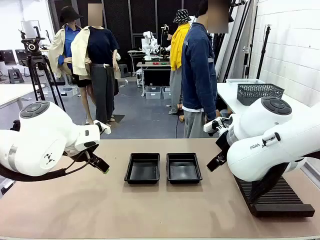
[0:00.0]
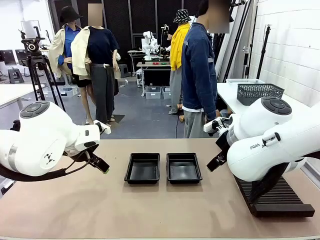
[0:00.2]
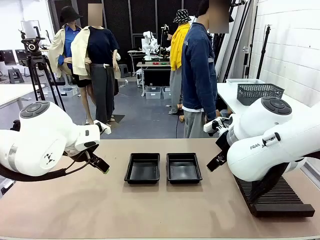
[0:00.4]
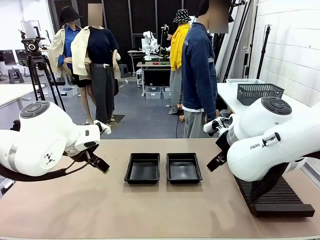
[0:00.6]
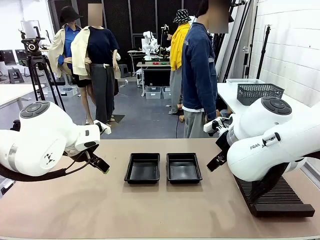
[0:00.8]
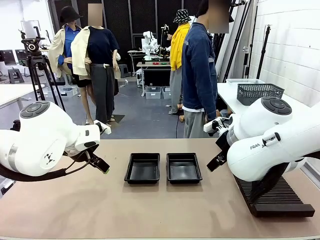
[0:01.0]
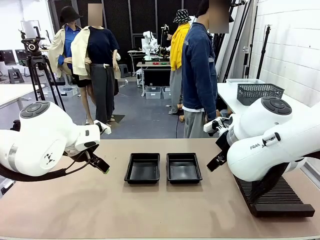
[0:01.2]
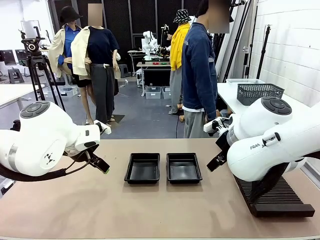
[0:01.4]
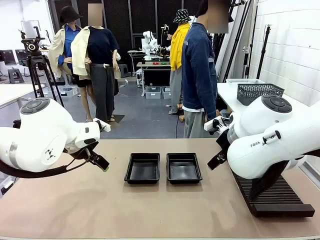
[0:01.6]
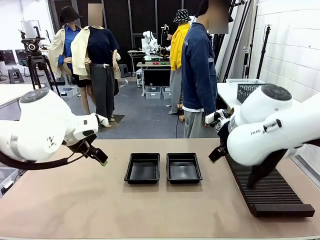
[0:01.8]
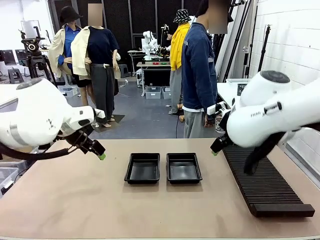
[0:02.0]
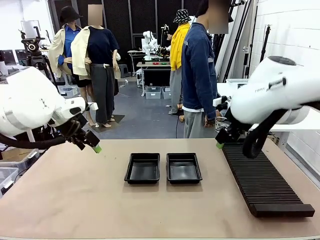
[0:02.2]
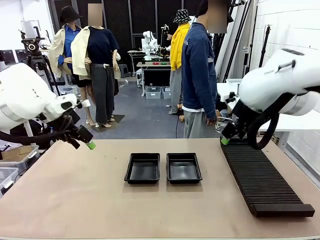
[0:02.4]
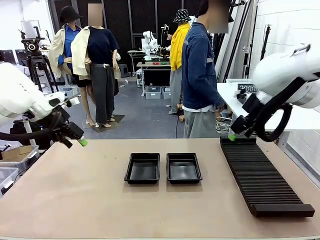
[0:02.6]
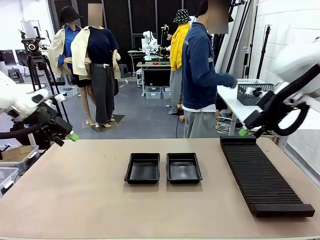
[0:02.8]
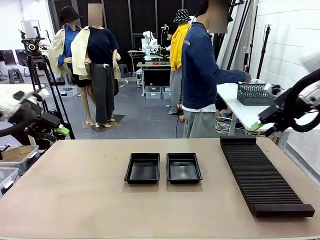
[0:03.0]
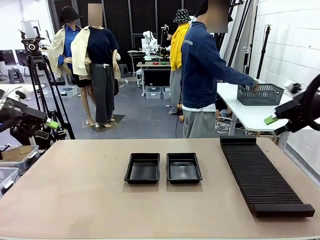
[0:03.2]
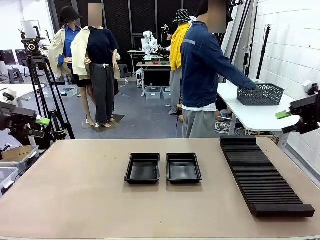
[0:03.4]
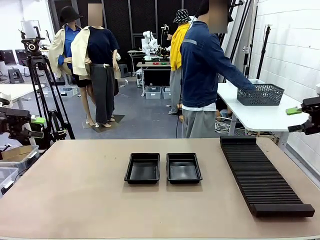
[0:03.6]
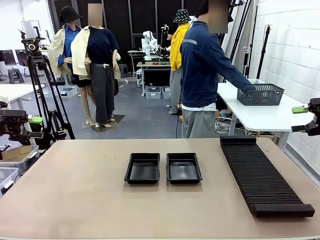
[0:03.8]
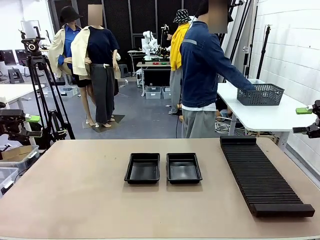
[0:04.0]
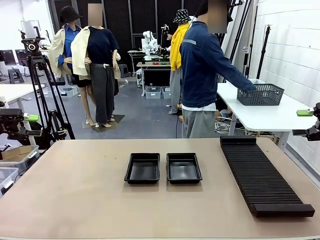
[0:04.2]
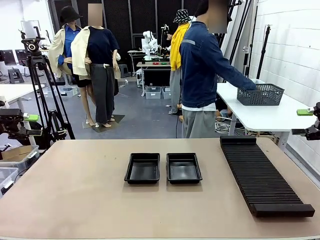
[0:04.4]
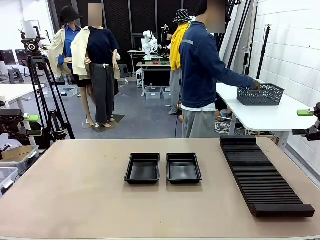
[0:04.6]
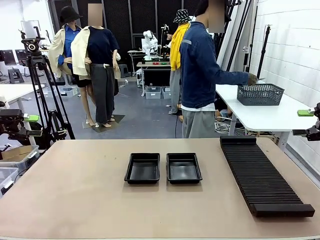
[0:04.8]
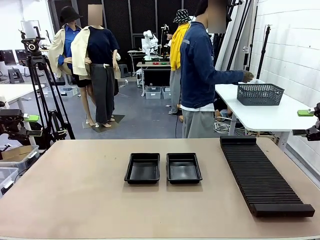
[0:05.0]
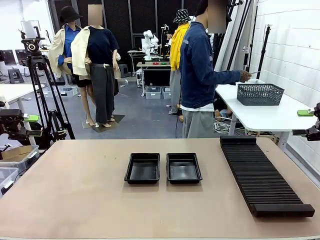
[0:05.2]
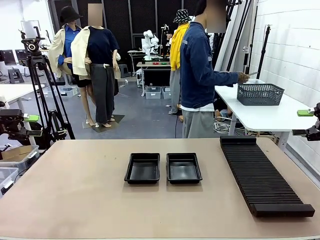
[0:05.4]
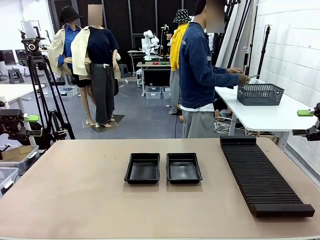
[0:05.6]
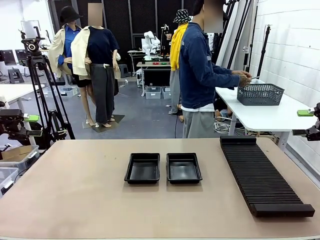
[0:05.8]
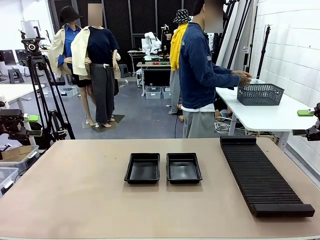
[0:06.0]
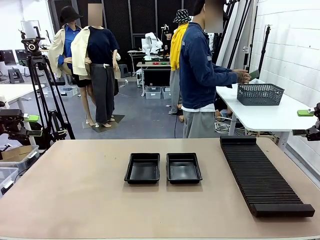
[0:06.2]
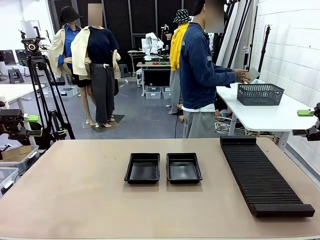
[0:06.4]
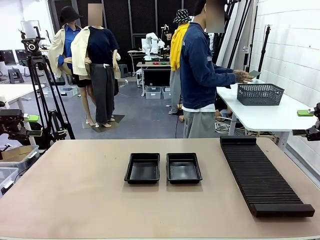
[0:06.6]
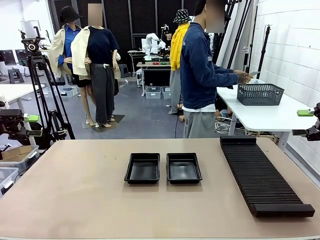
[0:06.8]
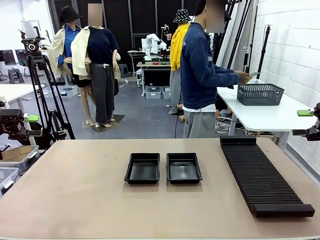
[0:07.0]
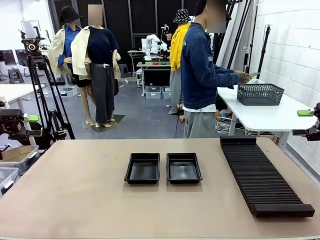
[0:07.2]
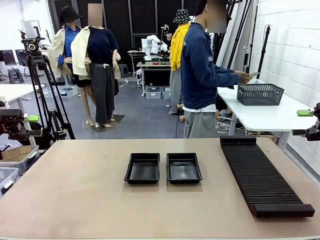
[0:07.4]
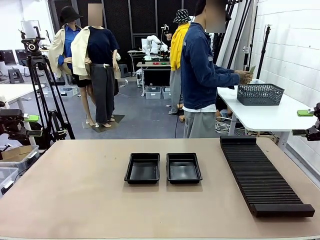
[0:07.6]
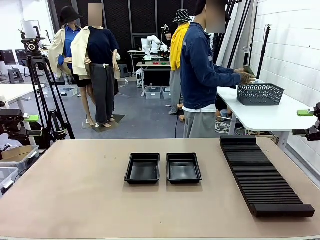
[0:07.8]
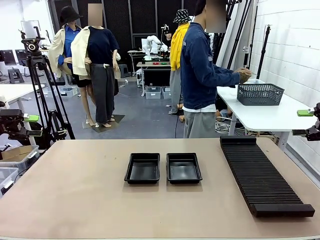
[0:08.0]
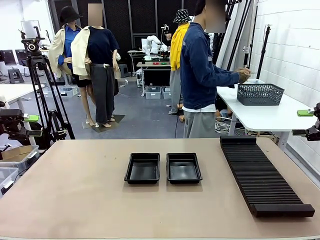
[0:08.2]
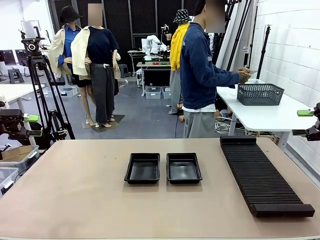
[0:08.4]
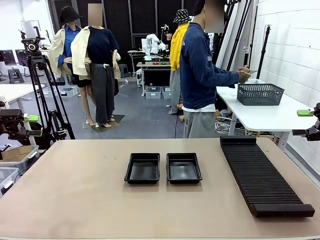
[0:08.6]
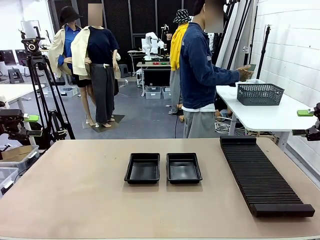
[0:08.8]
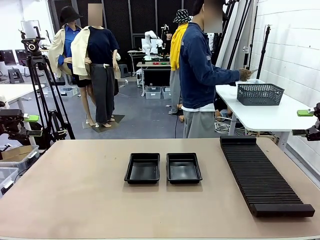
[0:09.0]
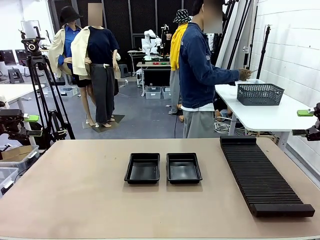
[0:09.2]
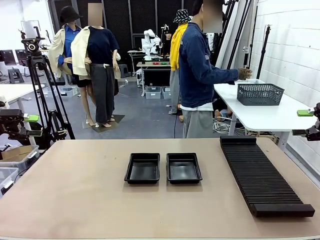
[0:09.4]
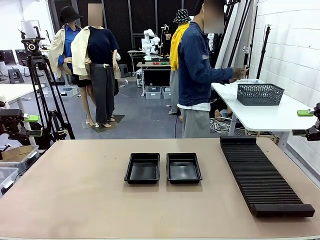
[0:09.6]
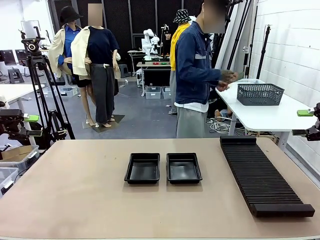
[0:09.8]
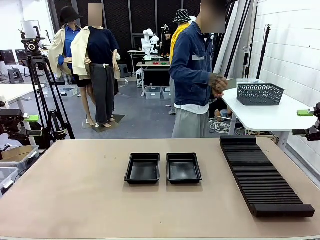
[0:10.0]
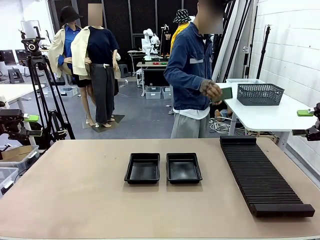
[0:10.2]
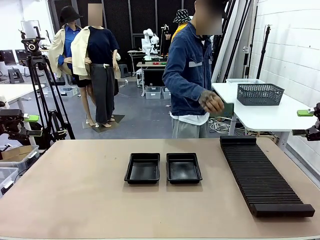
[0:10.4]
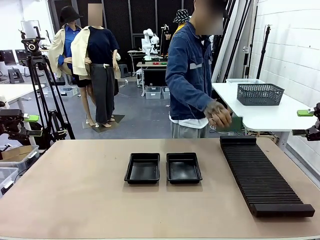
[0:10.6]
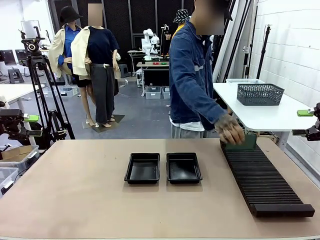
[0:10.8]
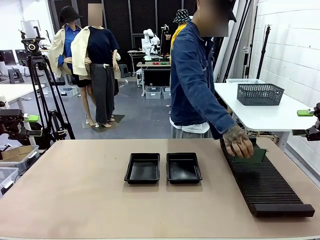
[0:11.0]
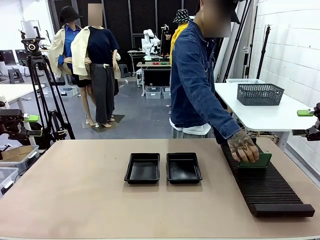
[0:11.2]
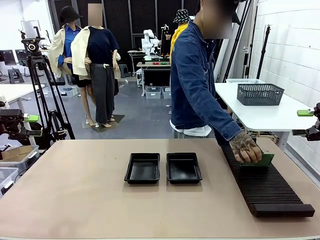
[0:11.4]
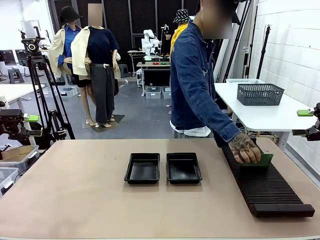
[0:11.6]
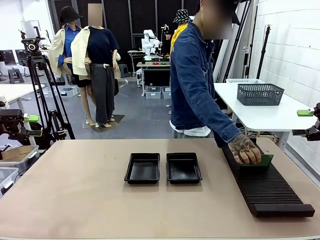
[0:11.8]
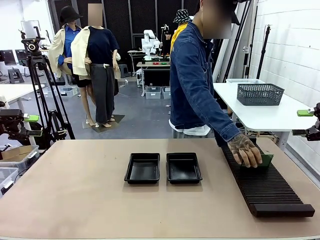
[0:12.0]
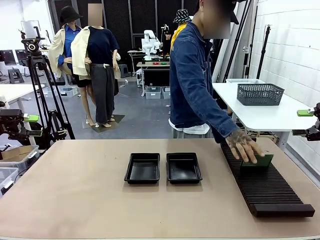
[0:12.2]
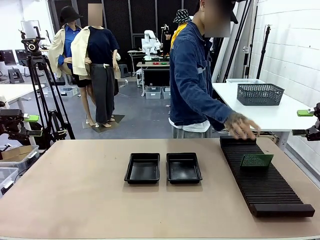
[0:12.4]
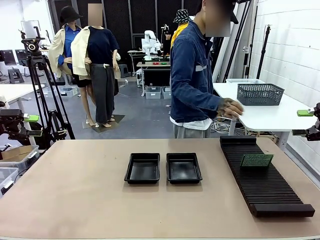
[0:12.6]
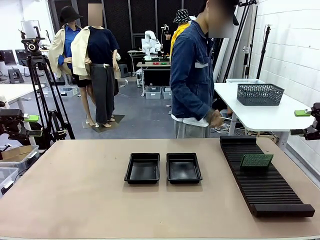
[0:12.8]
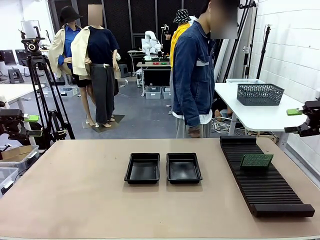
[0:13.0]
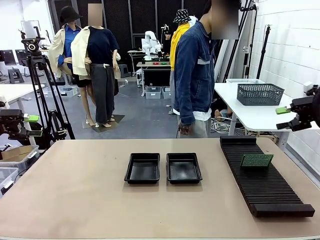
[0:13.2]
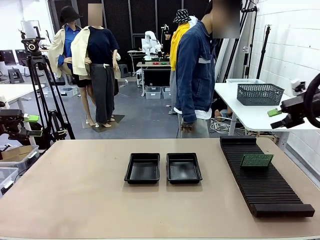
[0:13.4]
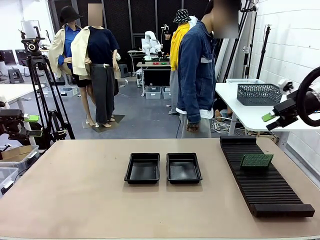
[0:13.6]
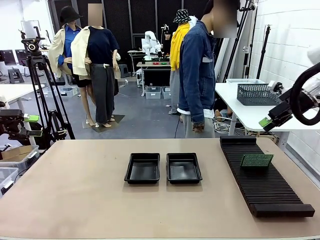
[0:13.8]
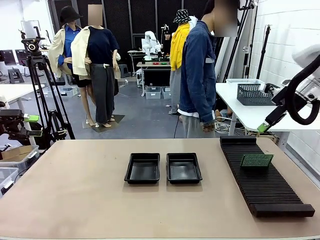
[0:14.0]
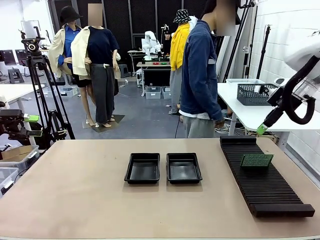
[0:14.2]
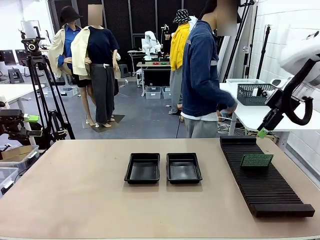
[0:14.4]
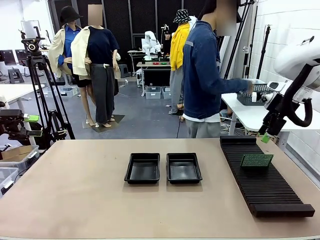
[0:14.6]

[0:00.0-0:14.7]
Task: Inspect and transfer BCBs to ESD trays.
Robot: Pick up the Blank PCB from the PCB Rack and place it in the left ESD tray.
